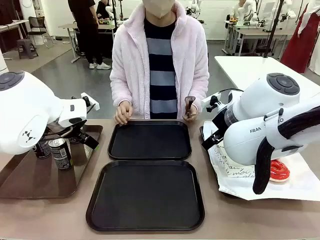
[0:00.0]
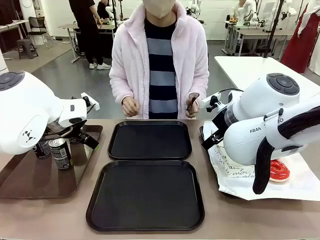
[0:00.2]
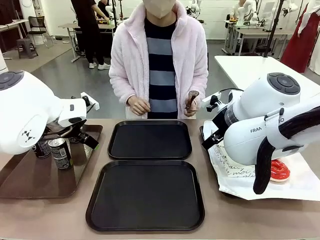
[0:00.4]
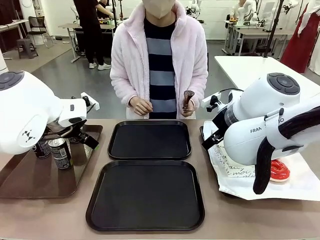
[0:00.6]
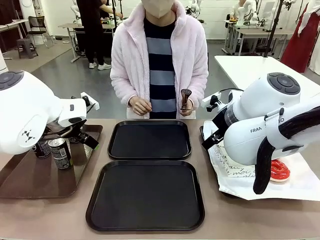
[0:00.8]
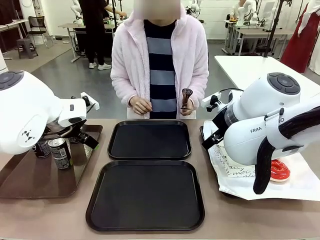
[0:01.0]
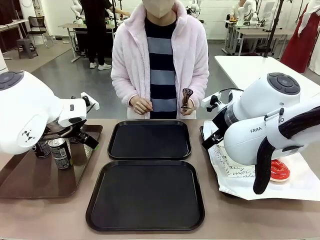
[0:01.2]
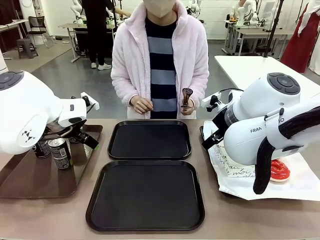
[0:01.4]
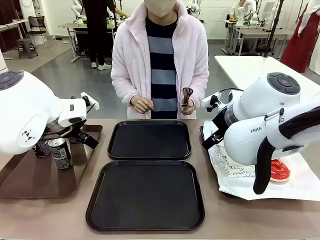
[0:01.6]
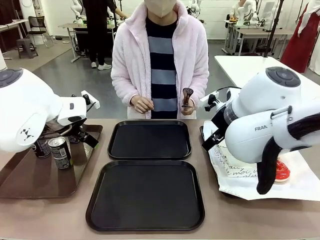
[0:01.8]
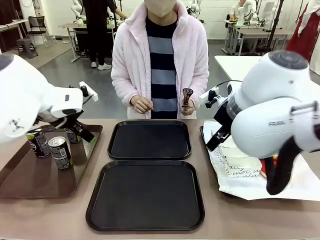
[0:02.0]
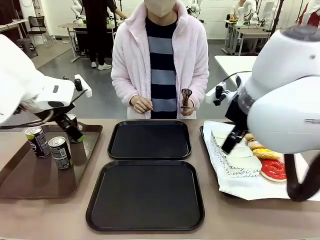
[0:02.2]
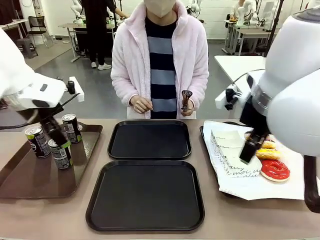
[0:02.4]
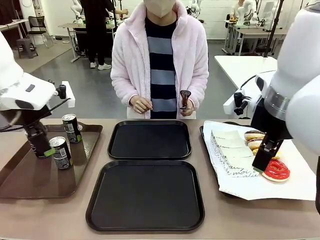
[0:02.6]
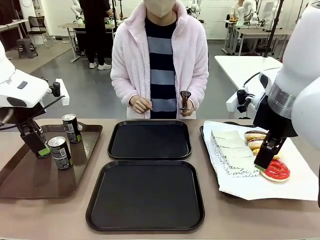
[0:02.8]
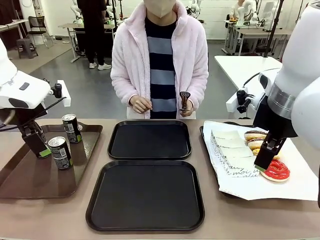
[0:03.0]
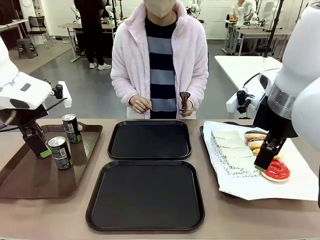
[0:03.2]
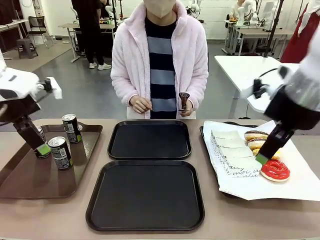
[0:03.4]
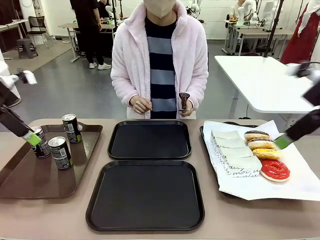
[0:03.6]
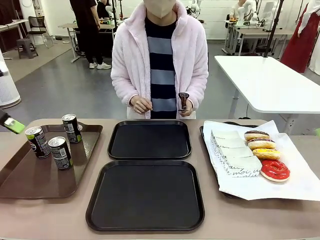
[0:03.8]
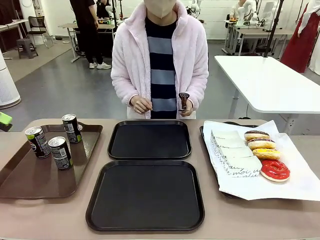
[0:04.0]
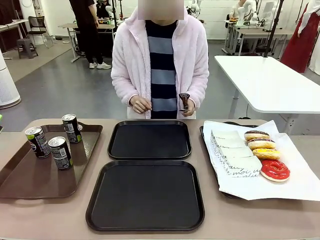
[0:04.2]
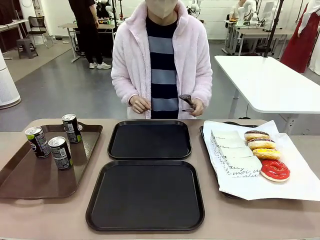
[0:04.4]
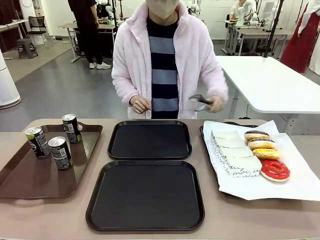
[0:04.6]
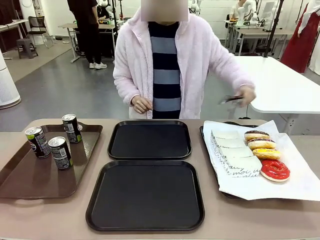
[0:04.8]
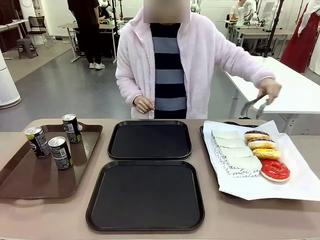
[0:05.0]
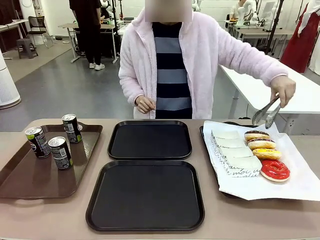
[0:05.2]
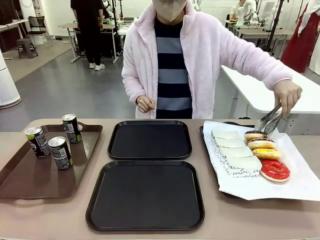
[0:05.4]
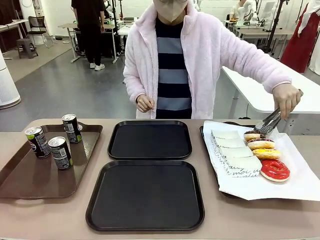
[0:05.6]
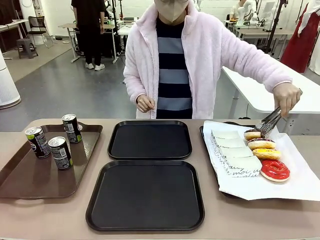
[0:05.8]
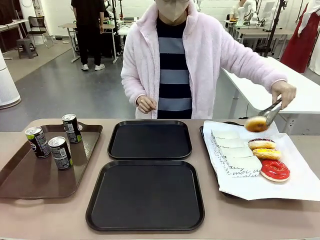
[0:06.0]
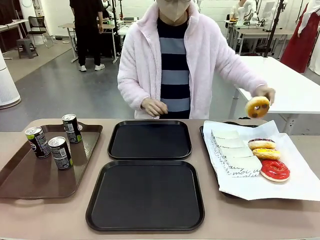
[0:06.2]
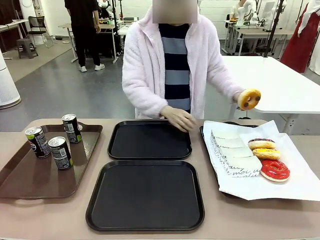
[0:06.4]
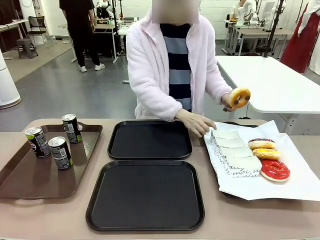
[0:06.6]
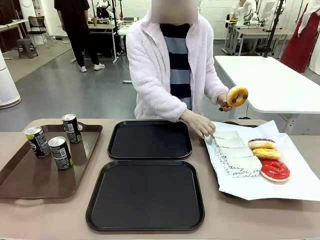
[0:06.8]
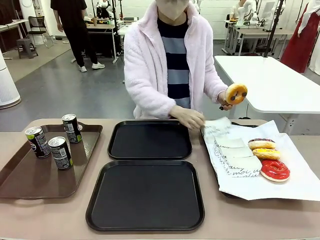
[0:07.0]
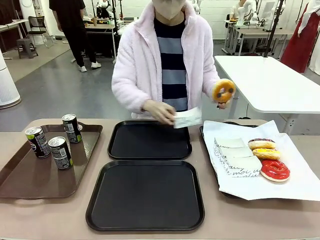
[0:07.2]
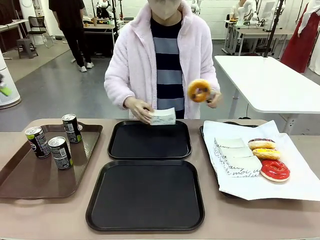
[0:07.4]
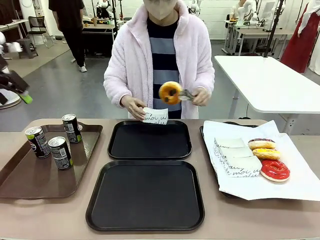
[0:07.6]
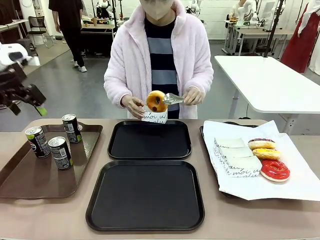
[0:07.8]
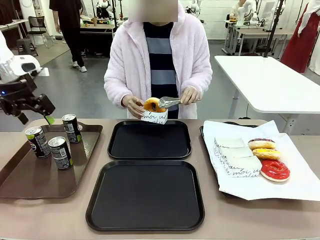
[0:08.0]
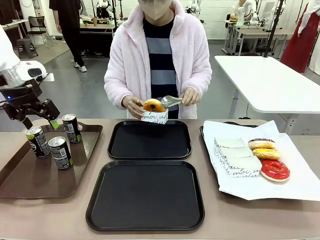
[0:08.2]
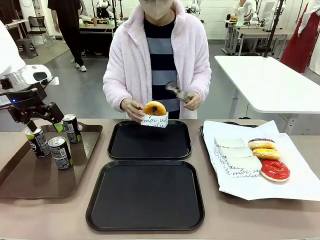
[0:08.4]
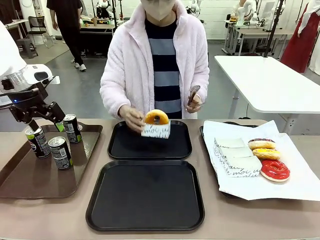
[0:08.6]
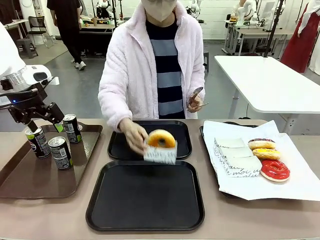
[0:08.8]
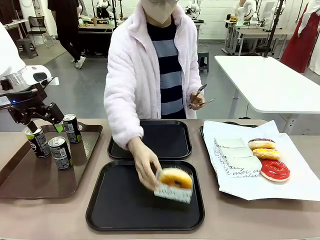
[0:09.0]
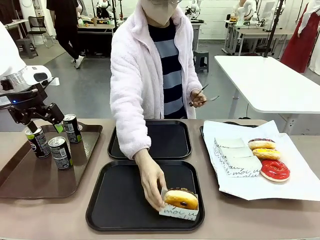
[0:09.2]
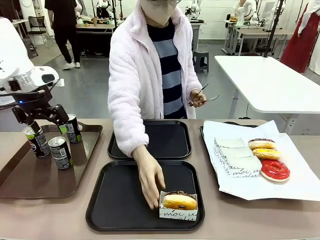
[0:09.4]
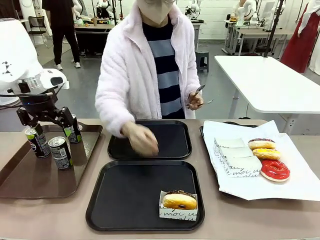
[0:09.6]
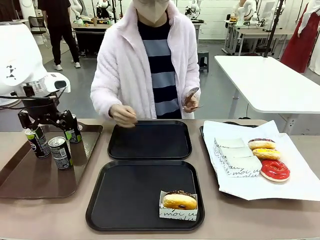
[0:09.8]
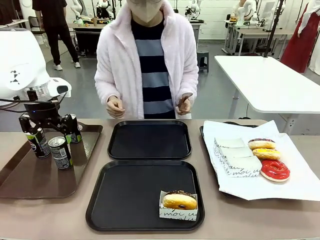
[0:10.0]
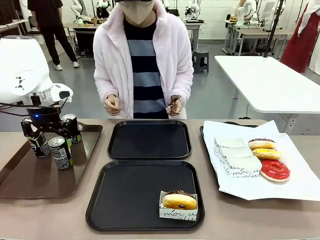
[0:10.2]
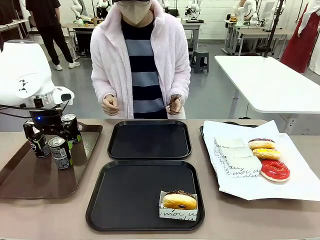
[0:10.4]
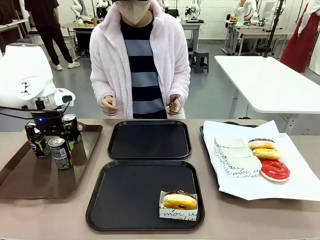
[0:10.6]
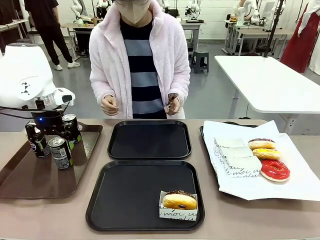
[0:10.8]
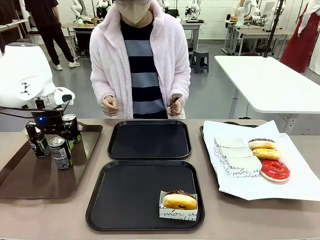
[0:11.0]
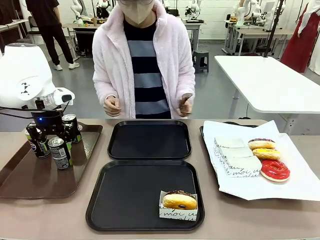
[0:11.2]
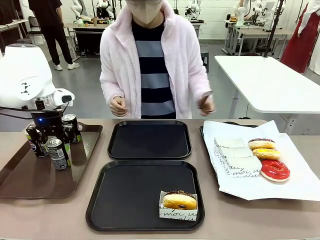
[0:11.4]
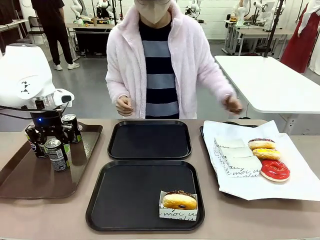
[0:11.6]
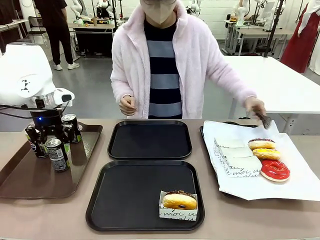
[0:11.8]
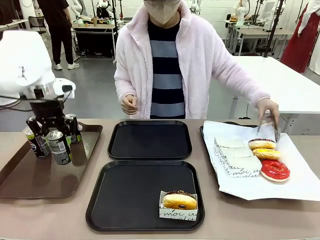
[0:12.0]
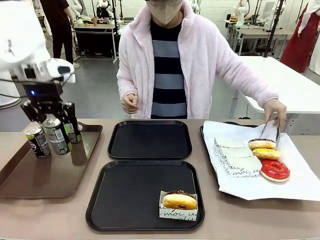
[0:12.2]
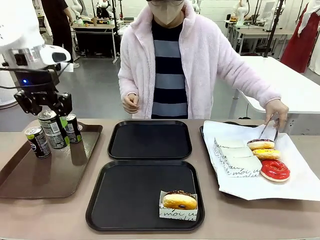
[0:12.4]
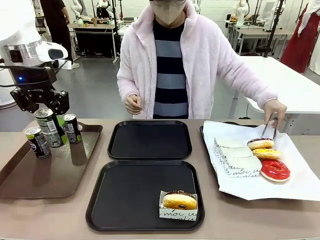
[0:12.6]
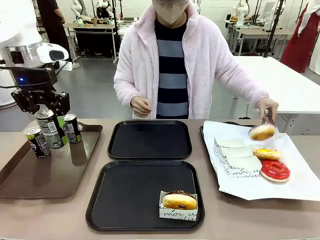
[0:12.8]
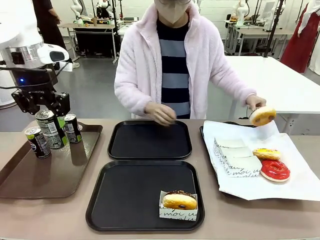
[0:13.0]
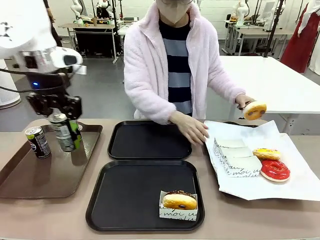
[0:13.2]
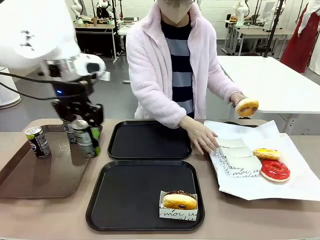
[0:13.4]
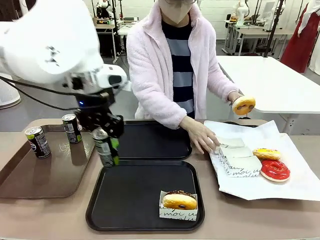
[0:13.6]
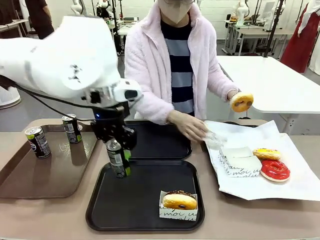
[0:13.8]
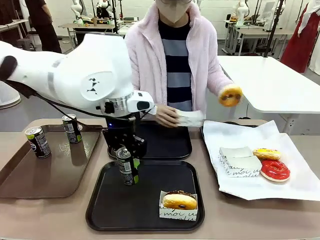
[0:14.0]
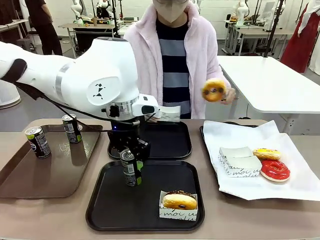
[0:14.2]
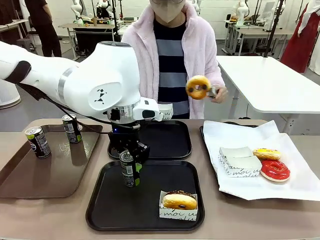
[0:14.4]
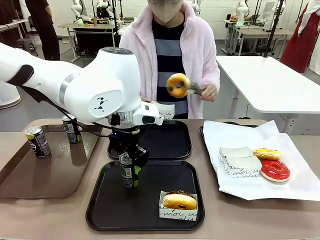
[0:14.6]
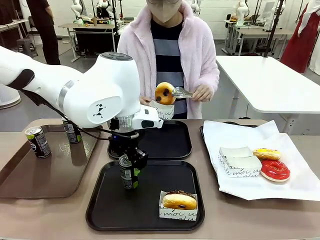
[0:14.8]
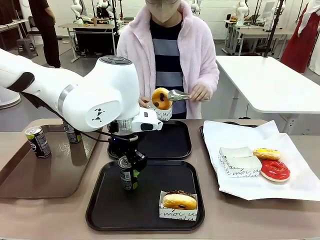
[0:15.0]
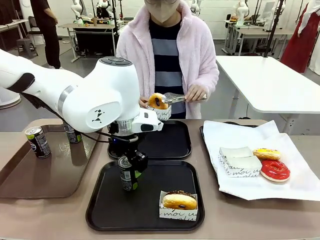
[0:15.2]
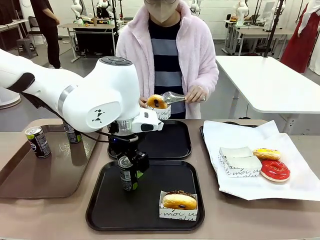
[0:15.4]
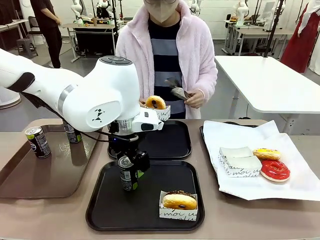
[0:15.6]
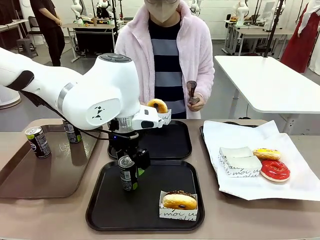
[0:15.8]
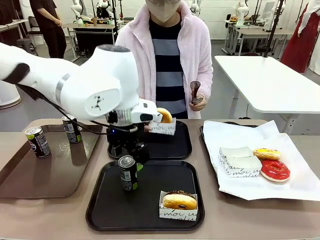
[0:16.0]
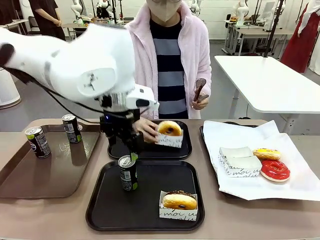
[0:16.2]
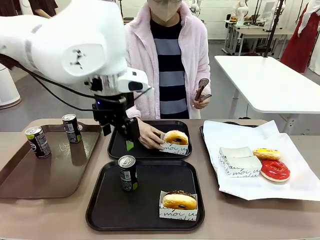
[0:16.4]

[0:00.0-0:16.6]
Task: Set up donuts and drinks on trays.
Robot: Pick up one Pepsi coke and place it on the Flat Tray.
